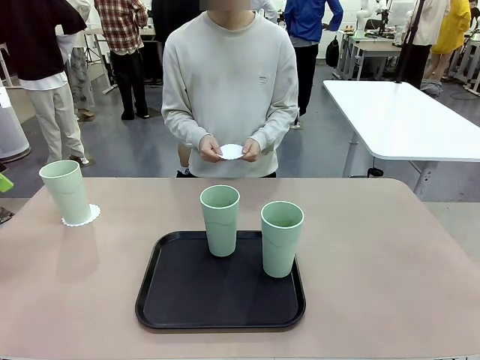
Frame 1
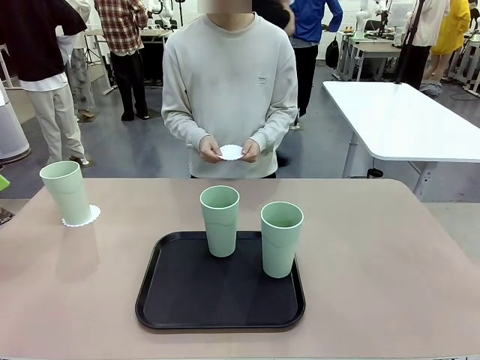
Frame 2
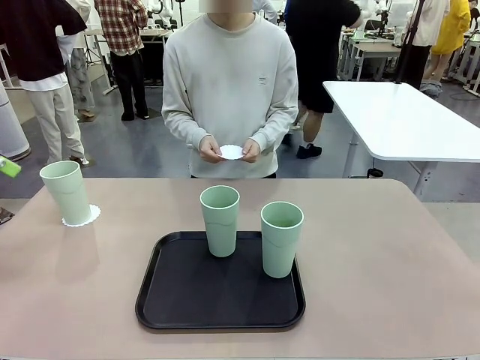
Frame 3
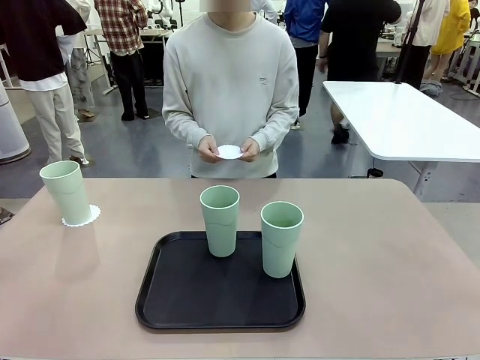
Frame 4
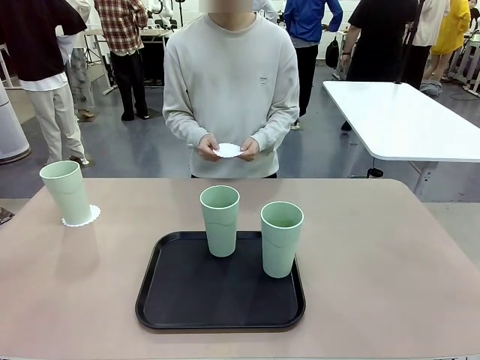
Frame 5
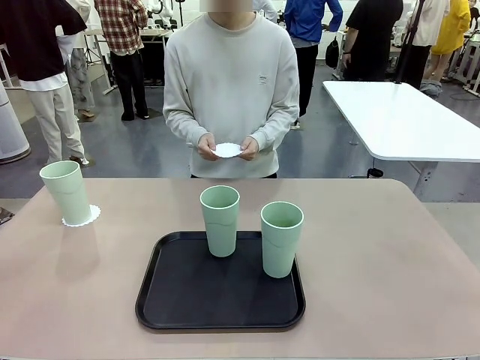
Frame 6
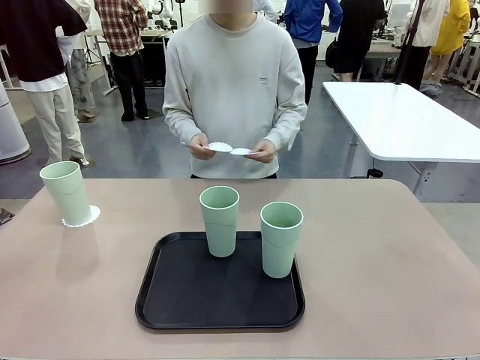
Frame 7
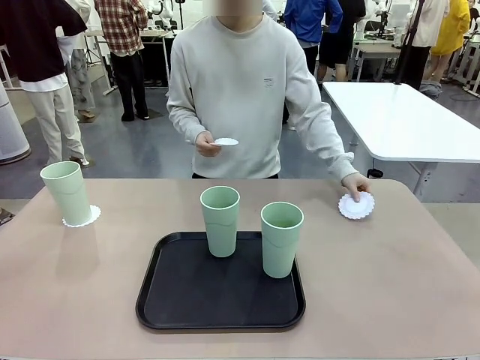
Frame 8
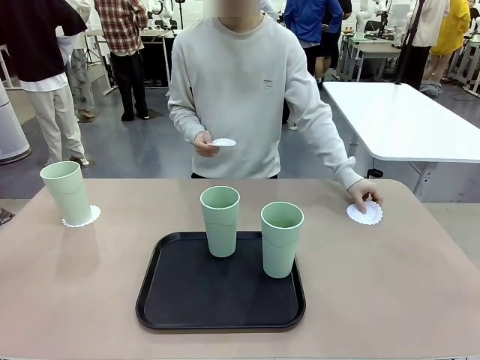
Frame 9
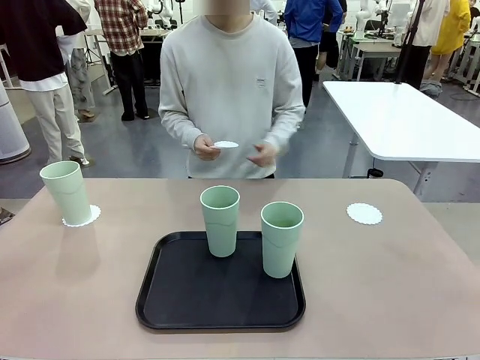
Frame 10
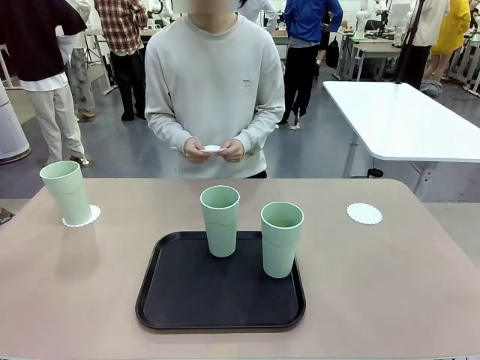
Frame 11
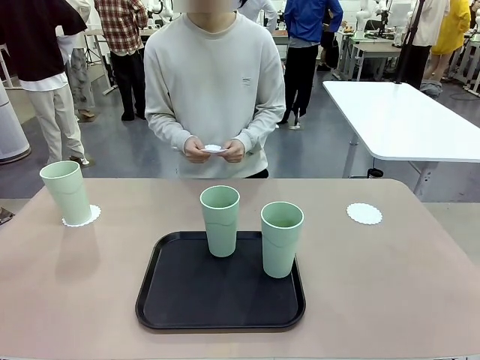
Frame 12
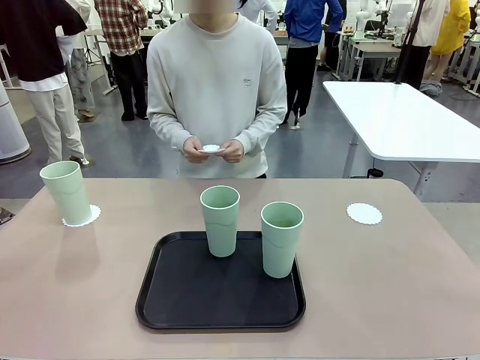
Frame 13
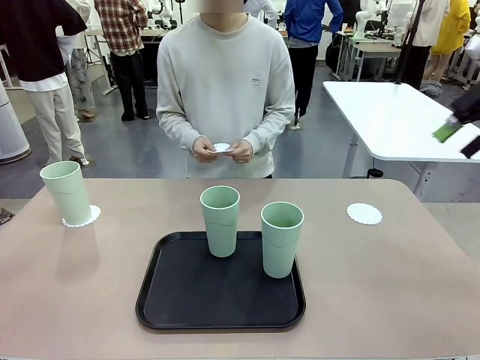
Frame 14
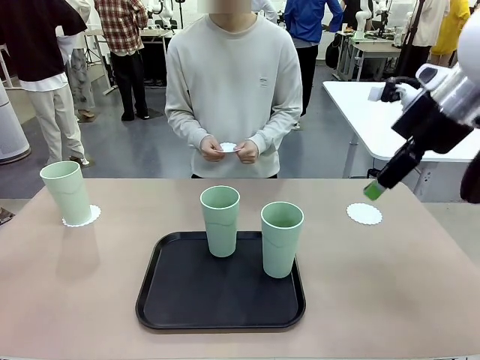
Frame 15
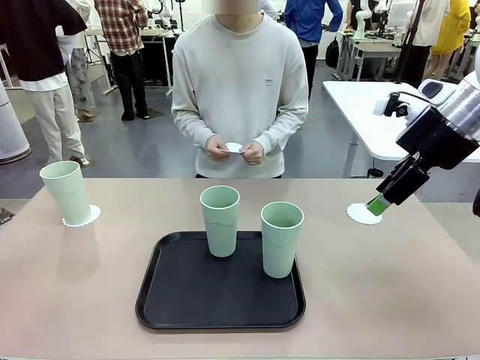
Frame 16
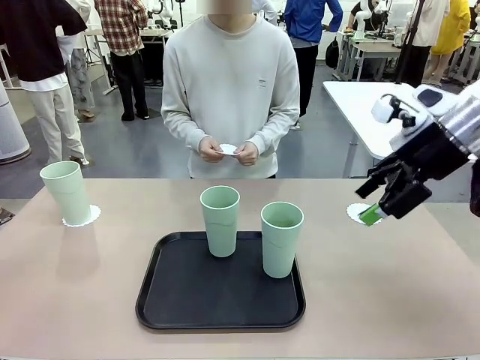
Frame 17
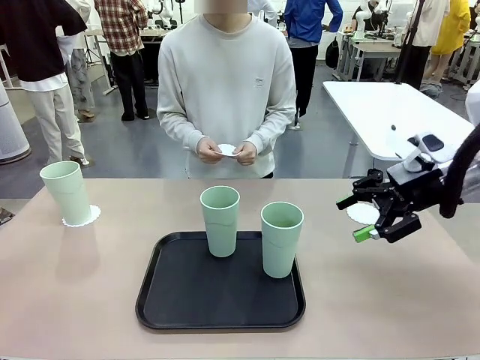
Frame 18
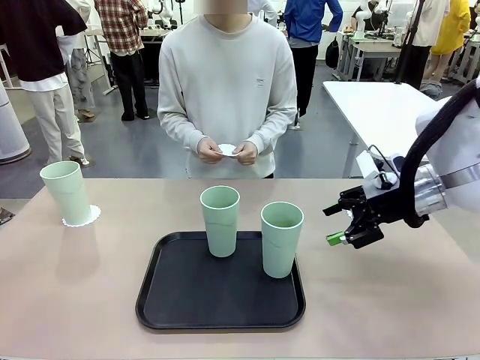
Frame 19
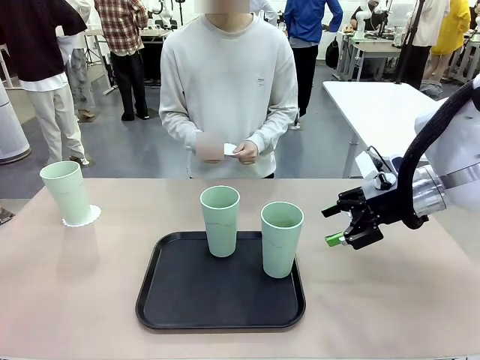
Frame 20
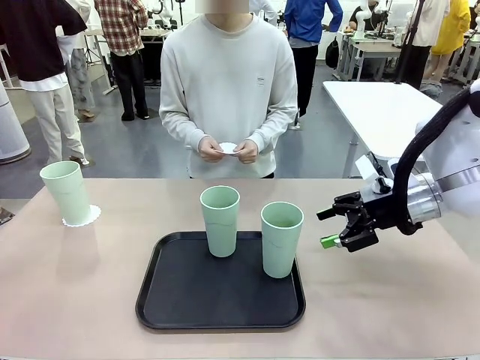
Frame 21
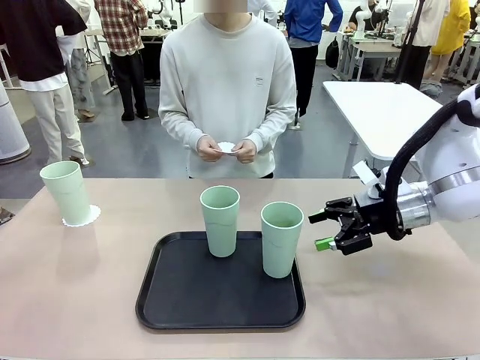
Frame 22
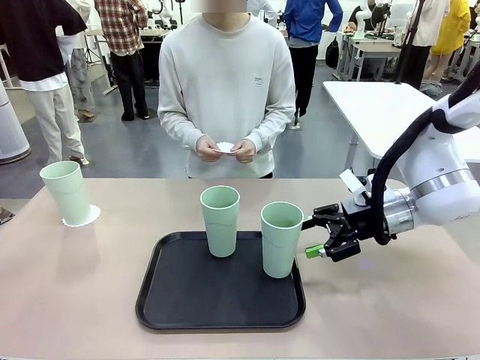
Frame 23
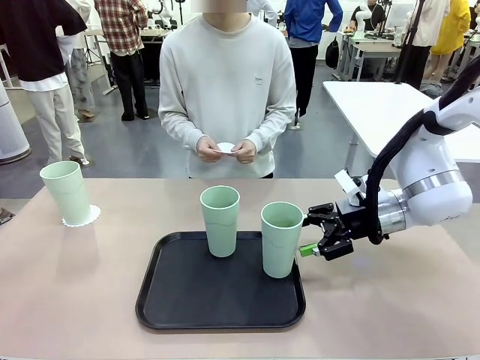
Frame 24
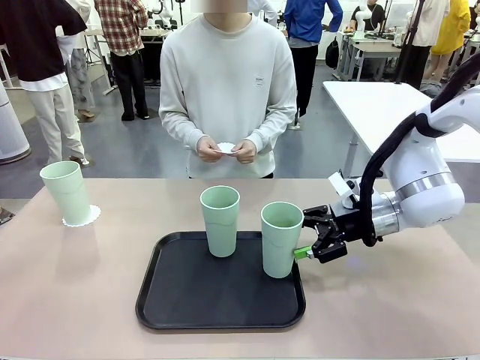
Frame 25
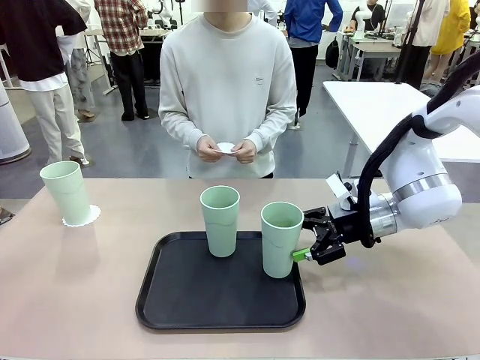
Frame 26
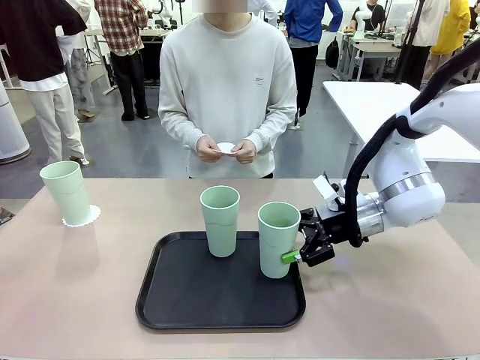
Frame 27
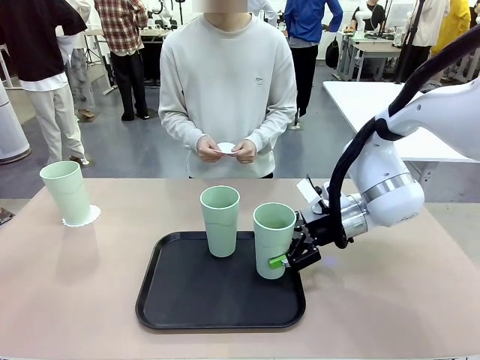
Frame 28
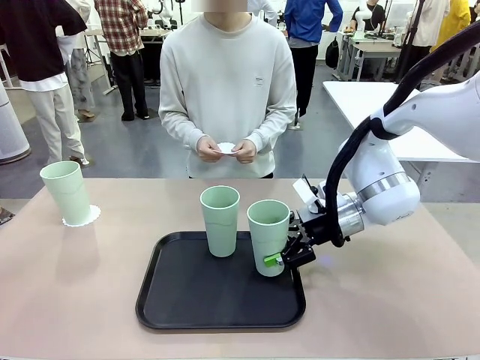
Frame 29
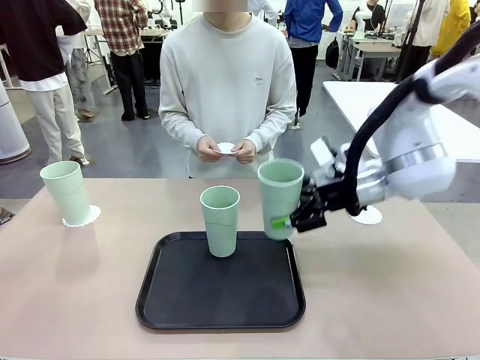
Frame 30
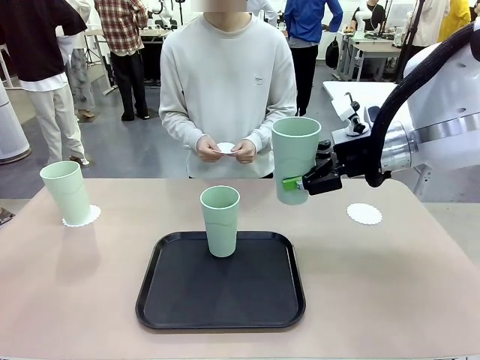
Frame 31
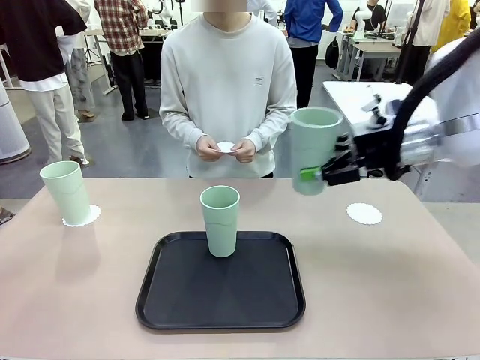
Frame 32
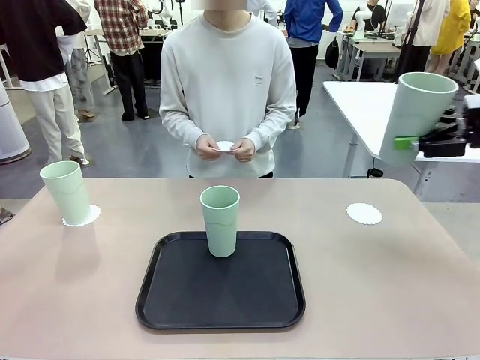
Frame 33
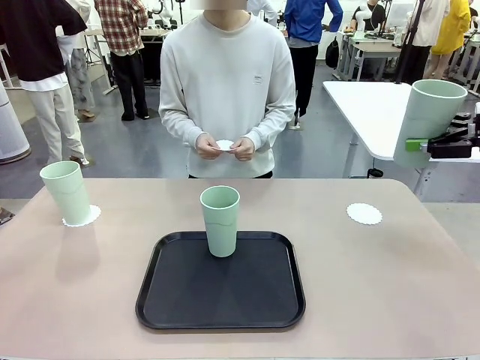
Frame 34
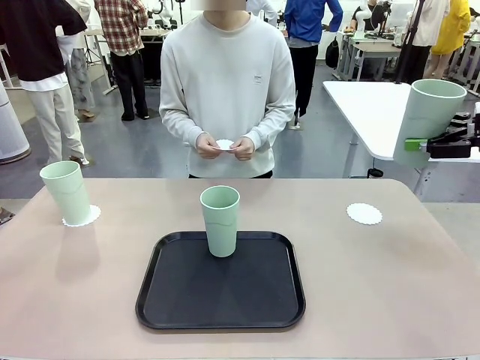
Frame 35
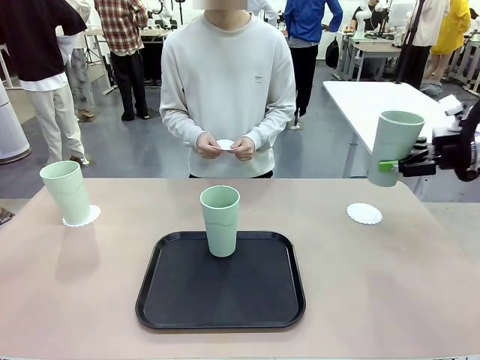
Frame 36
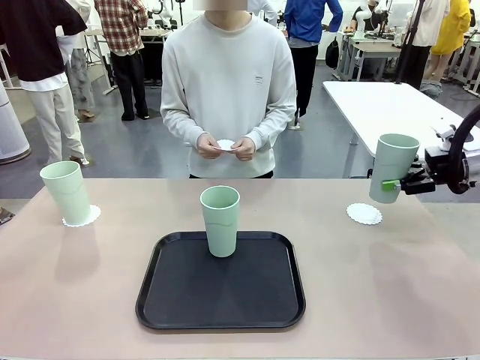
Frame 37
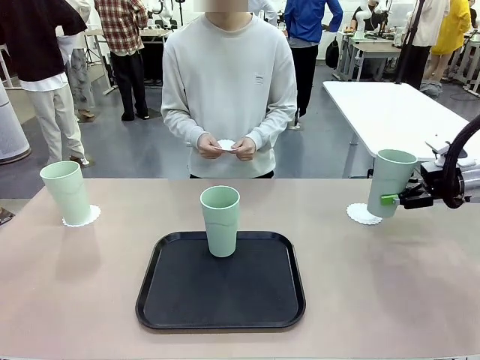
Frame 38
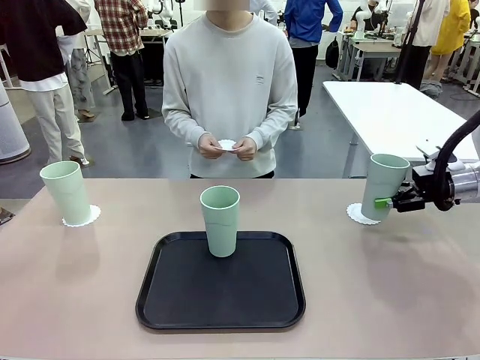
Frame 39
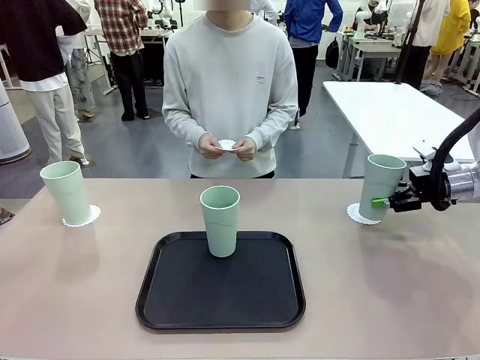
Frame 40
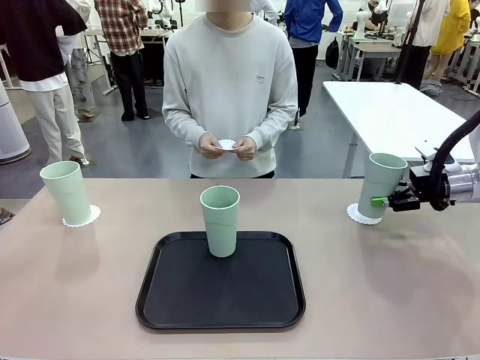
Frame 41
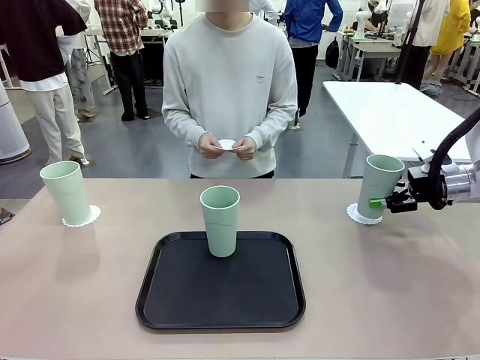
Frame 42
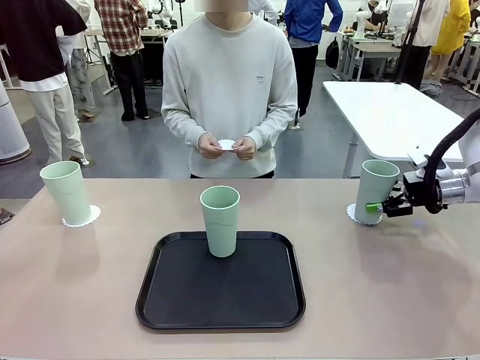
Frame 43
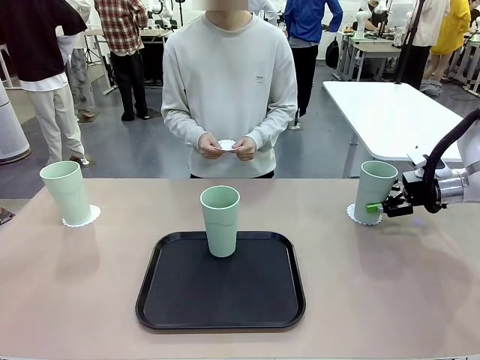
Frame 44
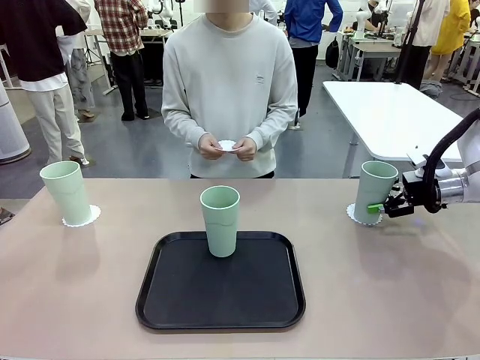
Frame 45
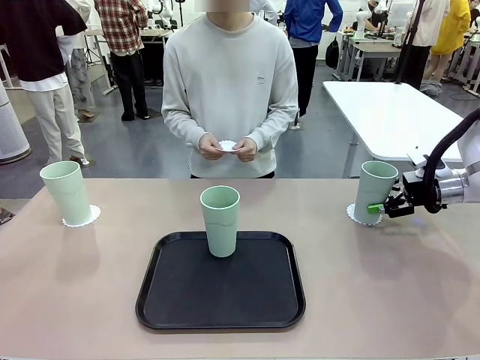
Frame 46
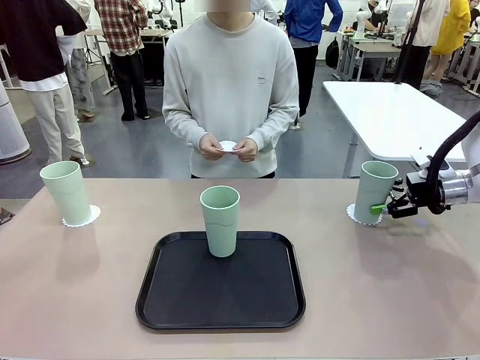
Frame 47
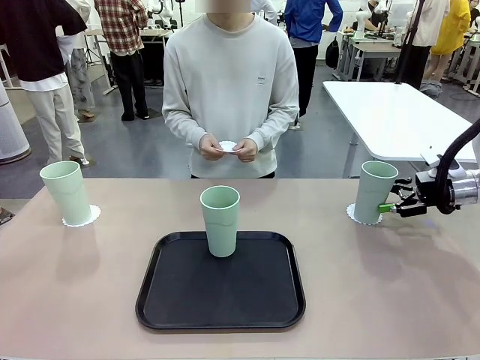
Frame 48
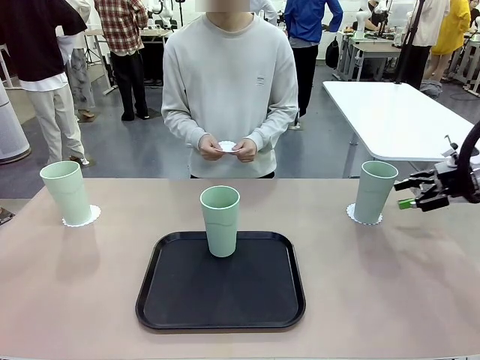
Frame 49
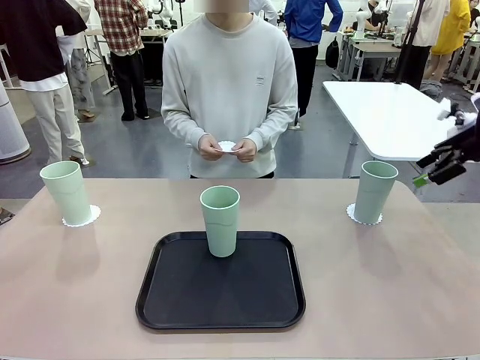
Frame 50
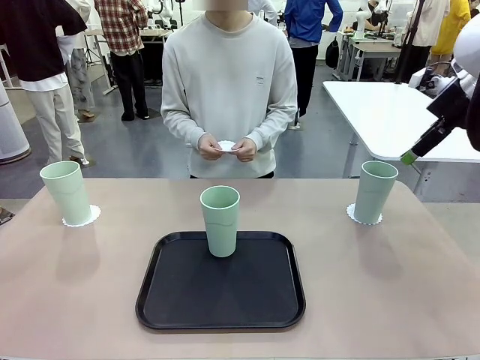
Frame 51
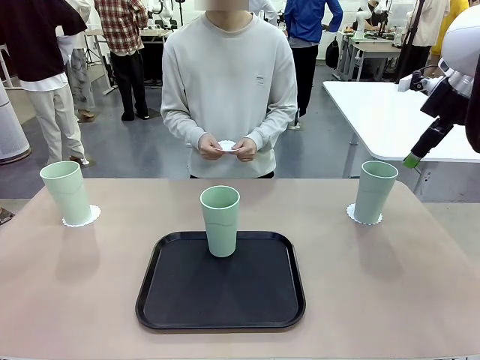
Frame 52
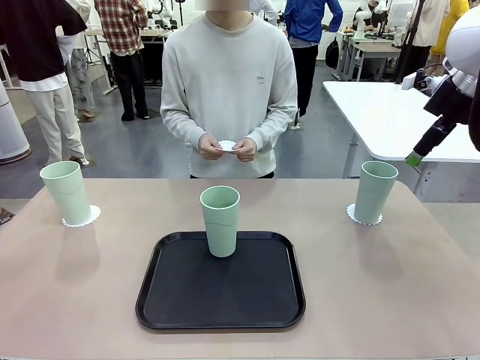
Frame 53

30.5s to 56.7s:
Task: Place coasters on the table and set cups on them.
Robot: Take one Reusable plastic cup from the Flat Tray and place it on a coaster set by the human.
